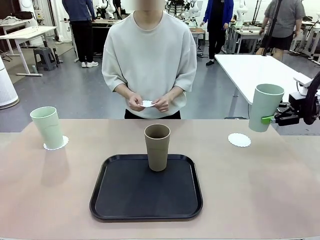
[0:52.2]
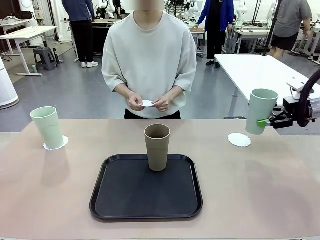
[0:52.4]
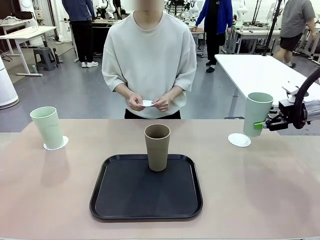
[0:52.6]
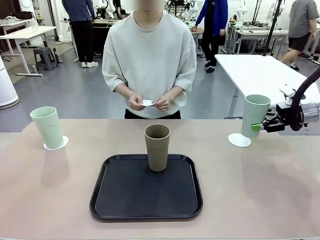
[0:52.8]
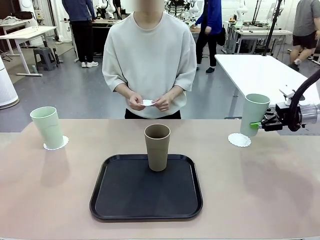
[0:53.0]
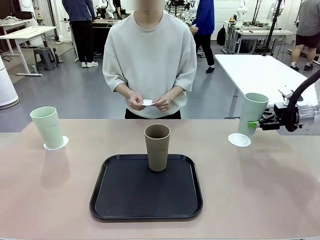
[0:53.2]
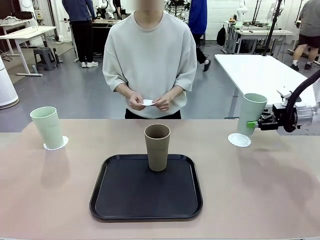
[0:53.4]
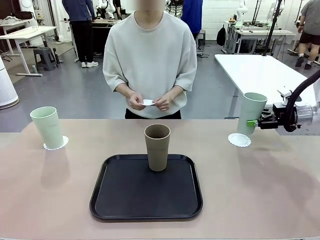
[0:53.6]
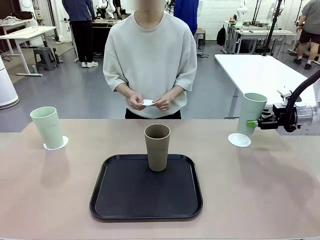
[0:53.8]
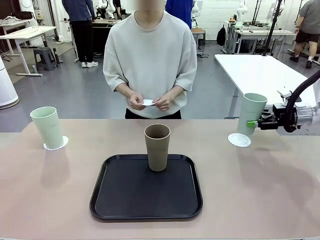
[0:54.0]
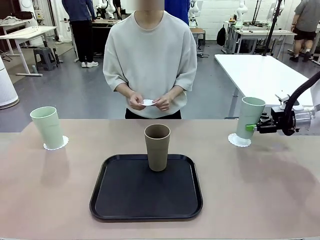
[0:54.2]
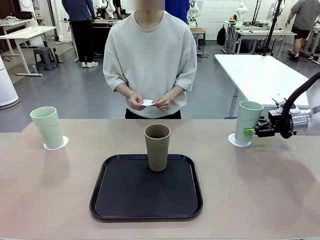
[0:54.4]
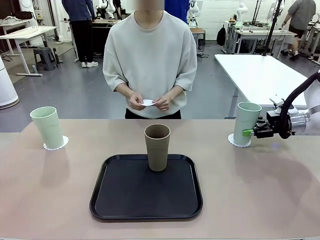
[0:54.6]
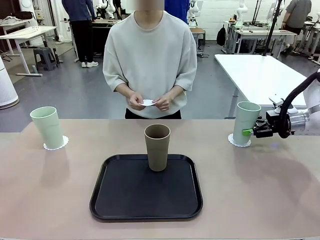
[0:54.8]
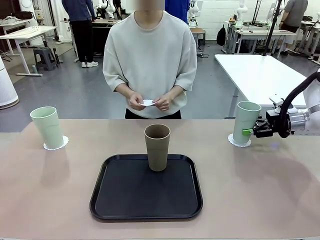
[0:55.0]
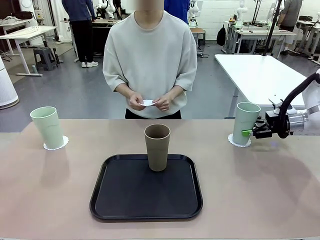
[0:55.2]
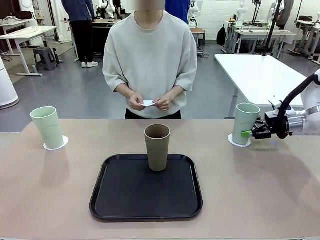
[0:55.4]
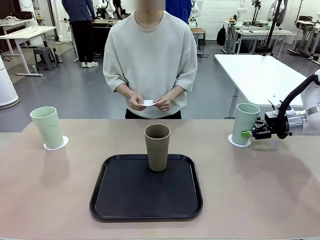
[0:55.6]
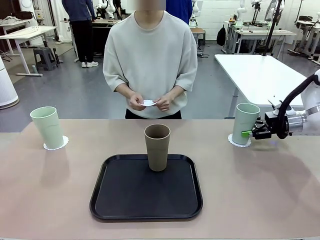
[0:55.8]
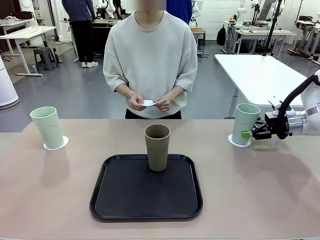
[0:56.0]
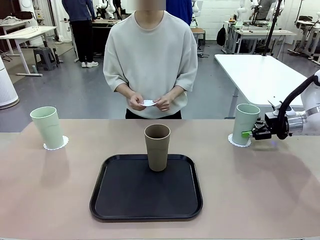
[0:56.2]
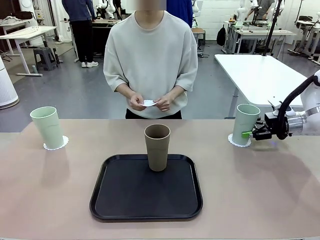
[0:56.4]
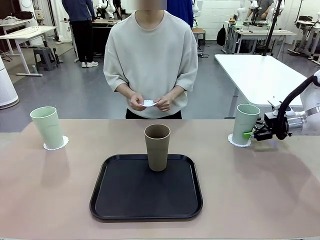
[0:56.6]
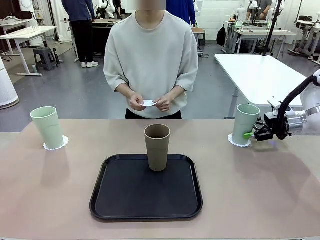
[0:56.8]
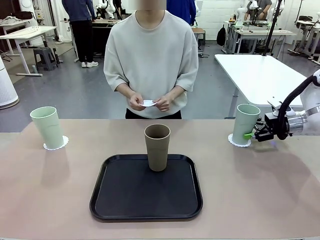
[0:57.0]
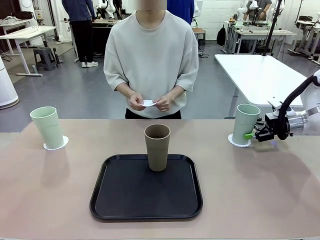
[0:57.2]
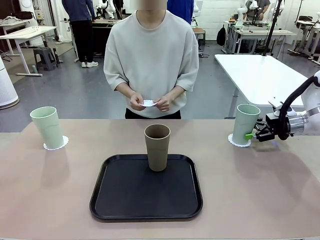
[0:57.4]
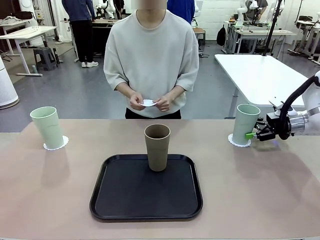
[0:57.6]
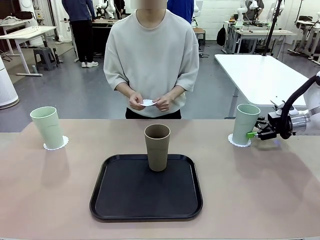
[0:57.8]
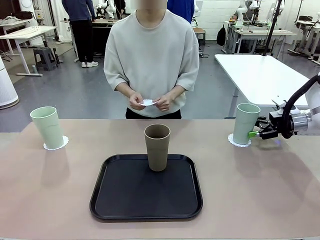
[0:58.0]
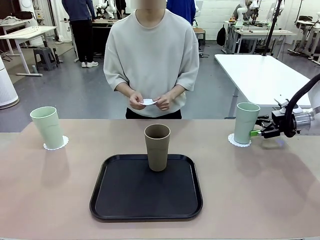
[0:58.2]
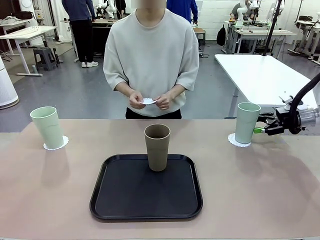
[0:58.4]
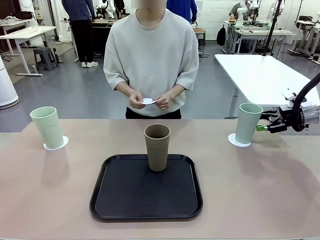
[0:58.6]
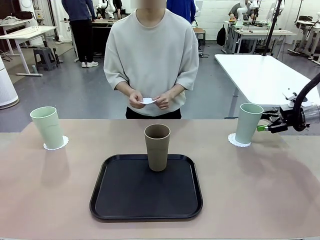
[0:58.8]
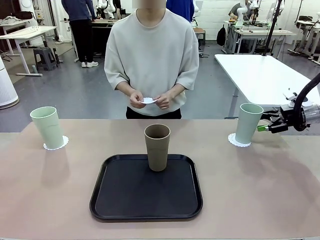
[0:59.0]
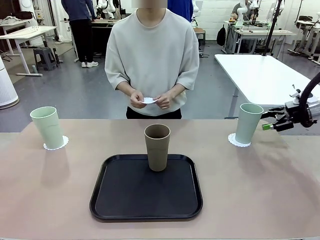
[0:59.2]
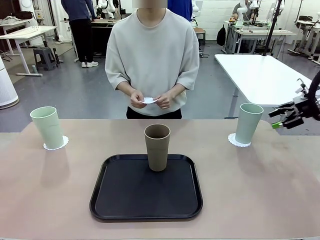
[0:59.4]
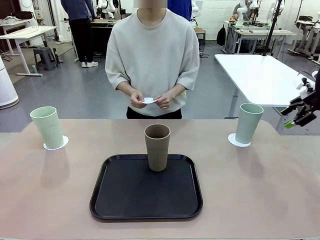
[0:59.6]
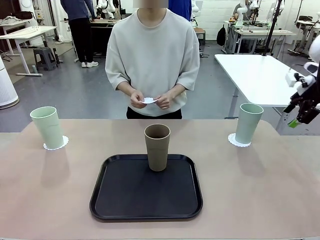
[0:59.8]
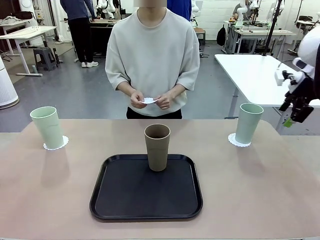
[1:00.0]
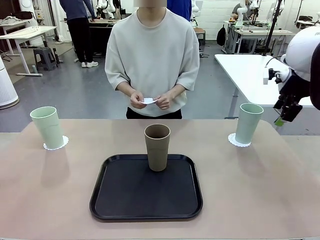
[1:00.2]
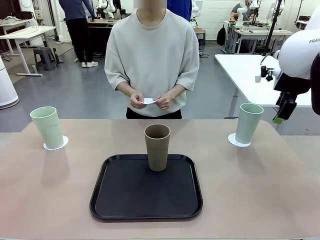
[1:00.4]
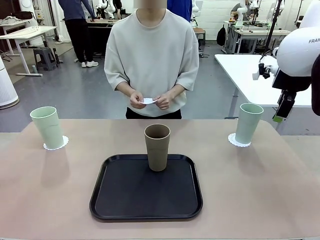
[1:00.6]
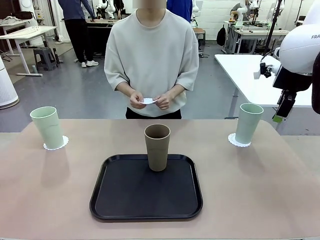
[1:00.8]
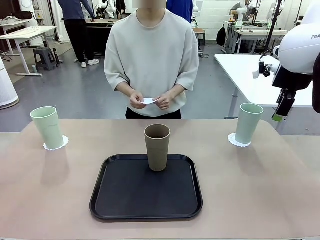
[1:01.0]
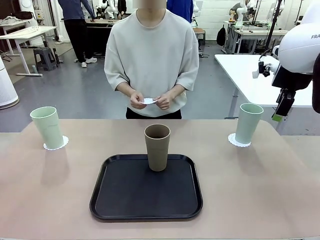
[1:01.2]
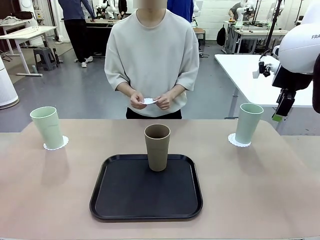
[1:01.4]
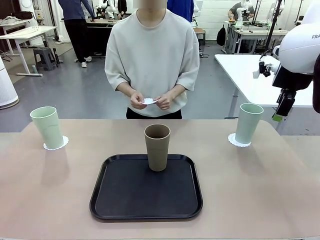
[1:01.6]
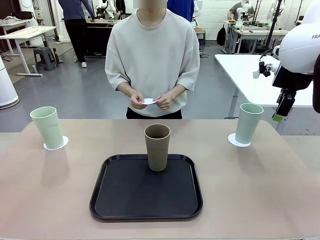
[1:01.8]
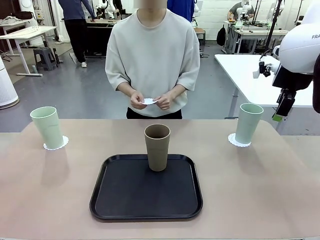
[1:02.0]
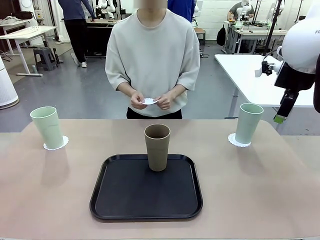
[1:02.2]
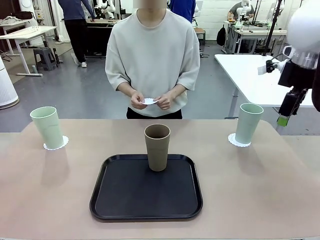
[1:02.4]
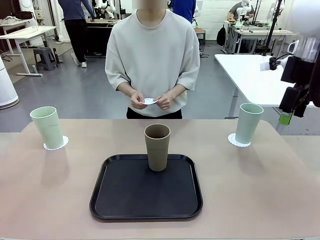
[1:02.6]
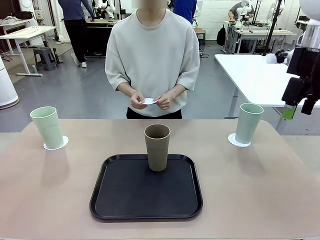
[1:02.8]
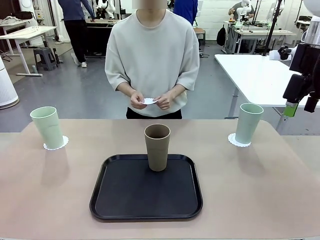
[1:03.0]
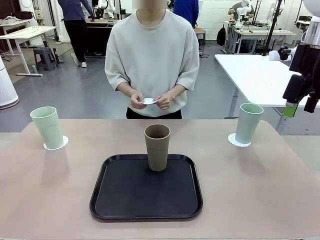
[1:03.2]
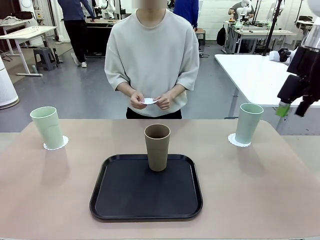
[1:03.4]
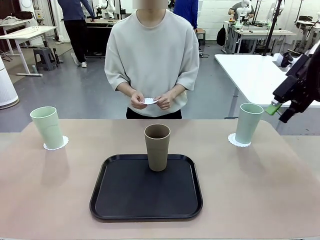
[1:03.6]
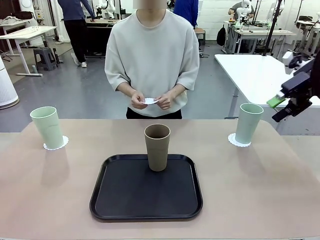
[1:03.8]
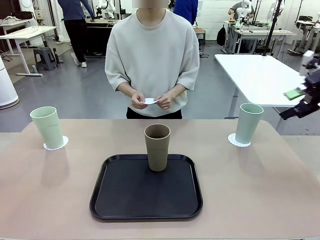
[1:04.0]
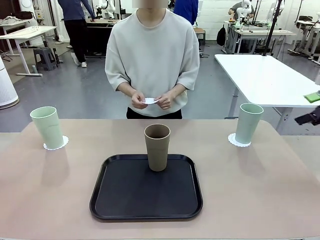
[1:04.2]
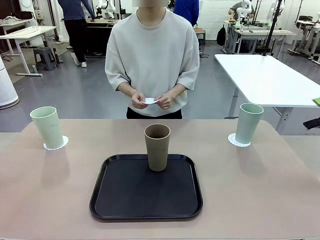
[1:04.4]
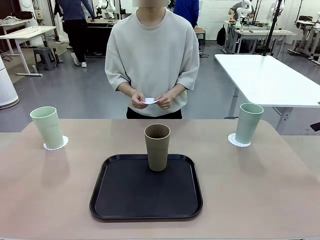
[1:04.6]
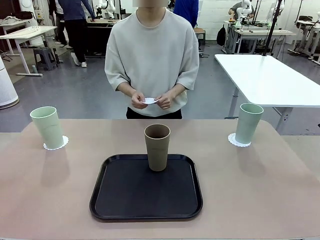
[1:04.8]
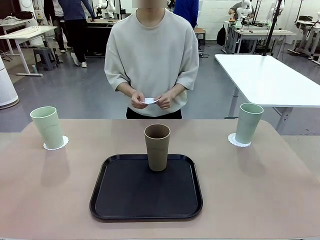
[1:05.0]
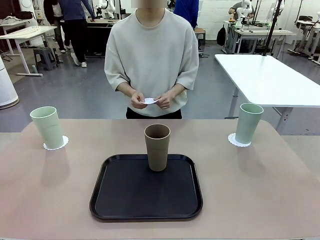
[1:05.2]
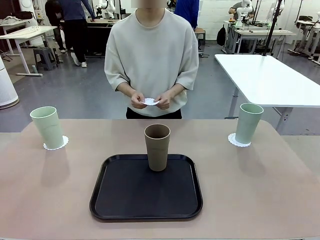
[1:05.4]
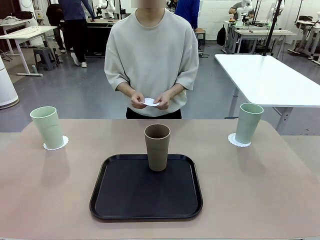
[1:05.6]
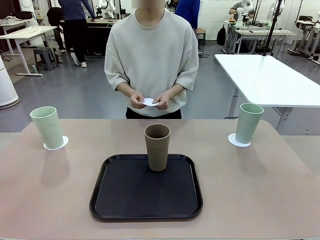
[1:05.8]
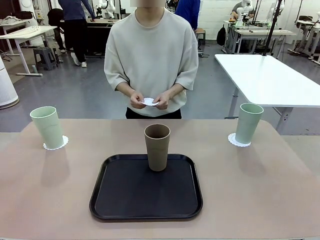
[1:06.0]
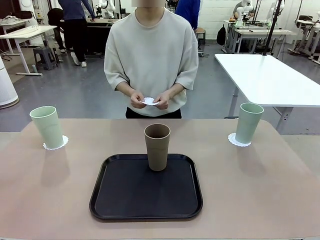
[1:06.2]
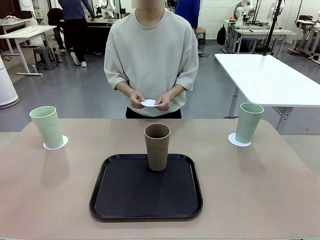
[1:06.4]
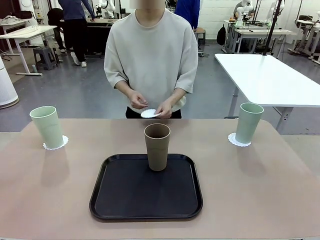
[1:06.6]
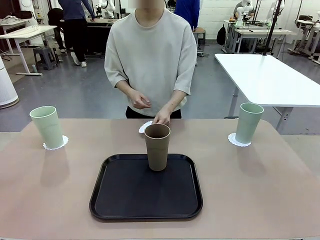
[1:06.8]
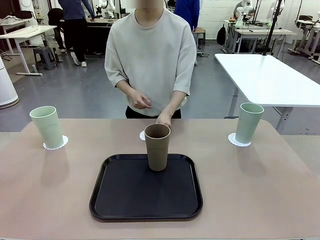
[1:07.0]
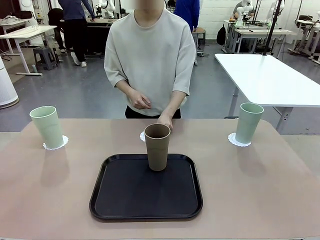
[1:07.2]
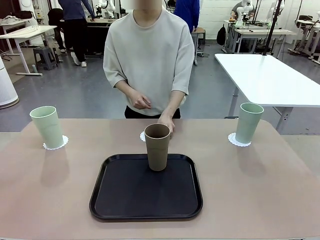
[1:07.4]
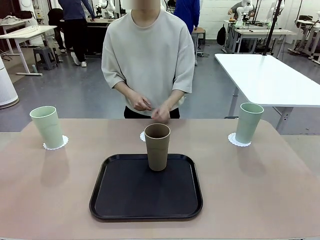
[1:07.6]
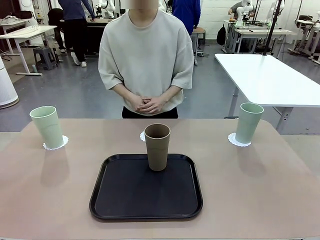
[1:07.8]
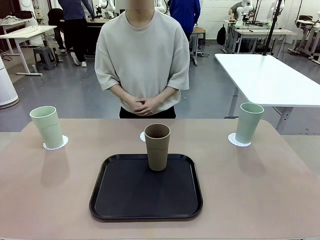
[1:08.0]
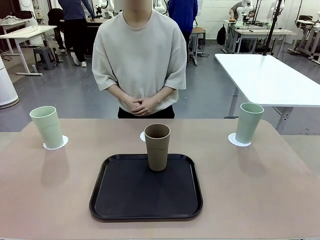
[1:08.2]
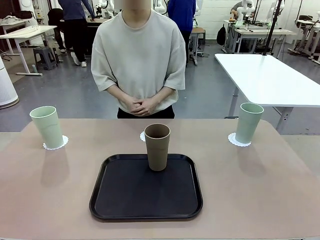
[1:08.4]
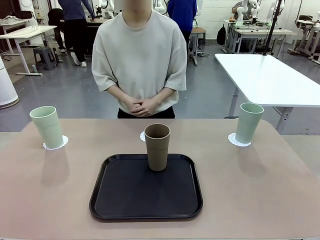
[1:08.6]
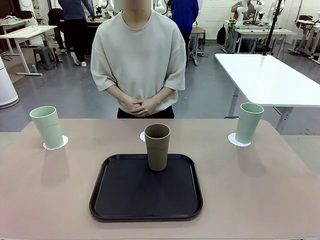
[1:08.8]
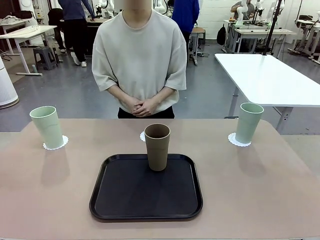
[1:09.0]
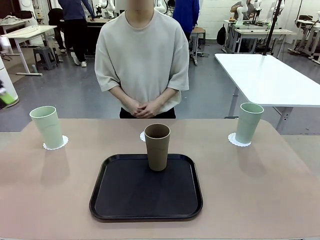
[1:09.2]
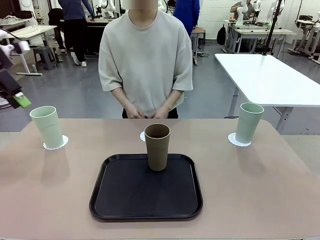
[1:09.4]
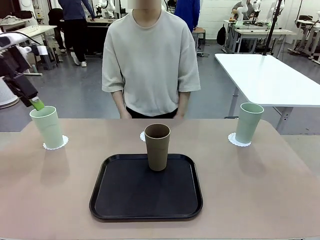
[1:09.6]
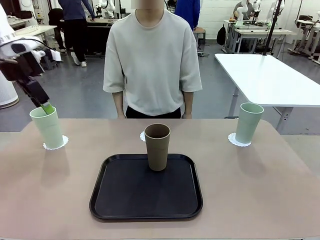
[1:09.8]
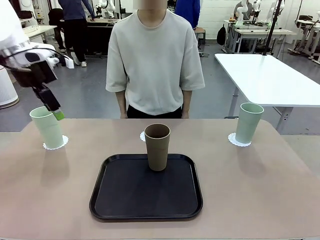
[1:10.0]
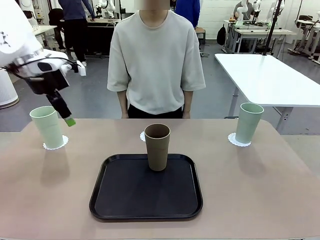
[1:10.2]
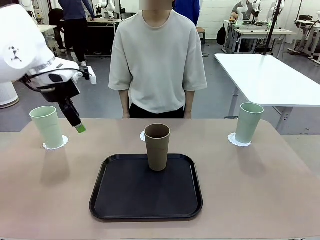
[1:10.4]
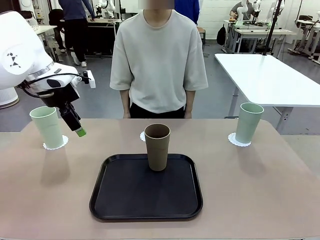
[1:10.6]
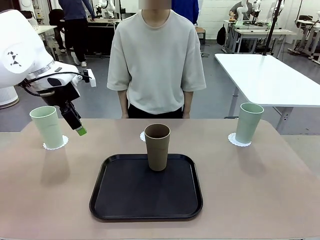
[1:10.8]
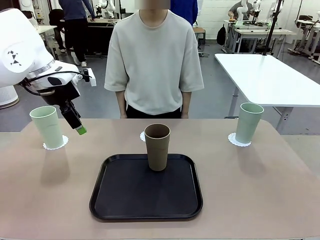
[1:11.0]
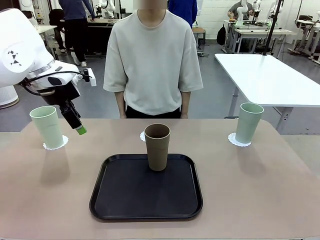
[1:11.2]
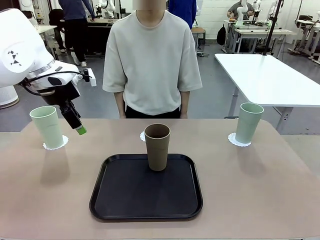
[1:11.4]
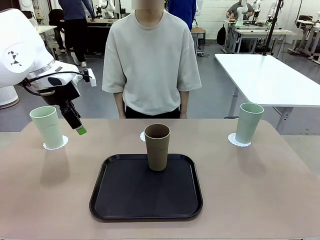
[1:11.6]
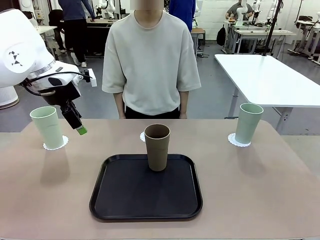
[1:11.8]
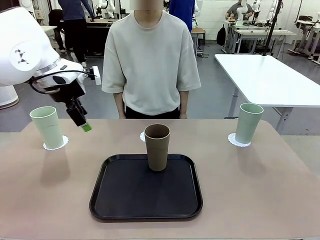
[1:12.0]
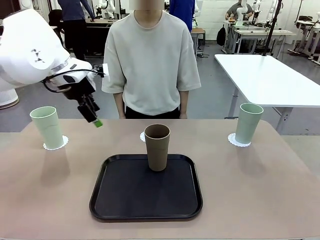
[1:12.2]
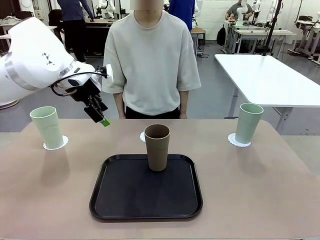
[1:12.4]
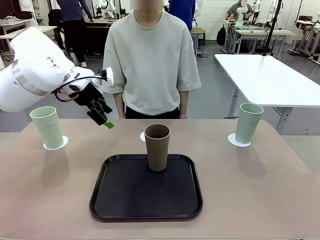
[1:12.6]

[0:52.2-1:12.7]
Task: Place coasters on the table and set cups on them.
Robot: Take one Reusable plastic cup from the Flat Tray and place it on a coaster set by the human.
